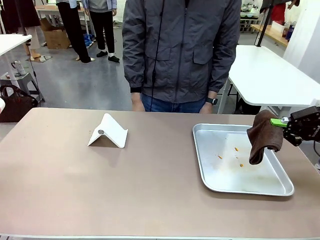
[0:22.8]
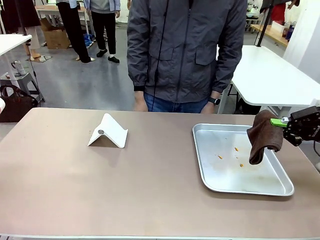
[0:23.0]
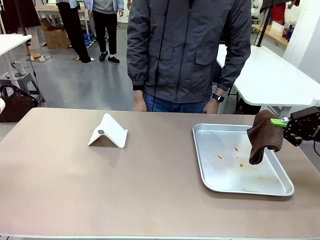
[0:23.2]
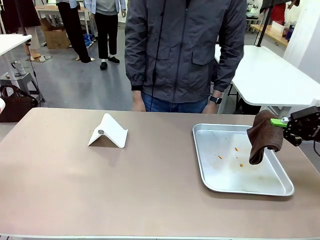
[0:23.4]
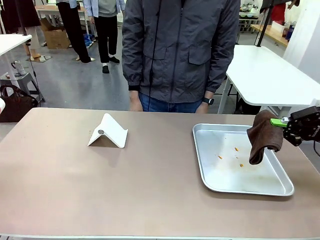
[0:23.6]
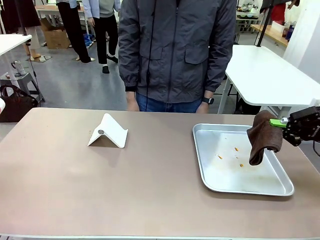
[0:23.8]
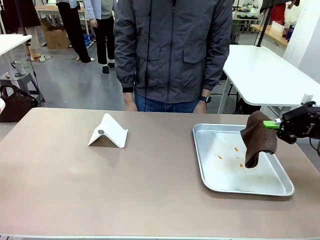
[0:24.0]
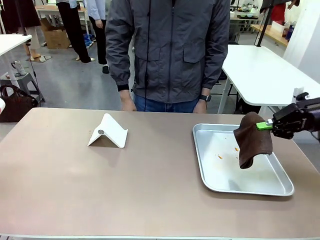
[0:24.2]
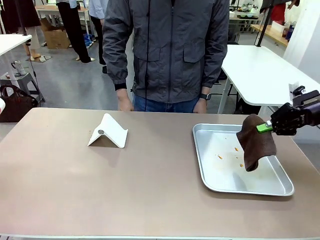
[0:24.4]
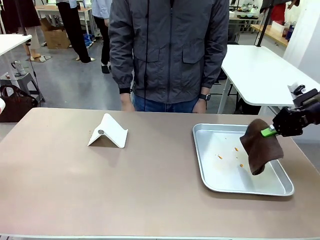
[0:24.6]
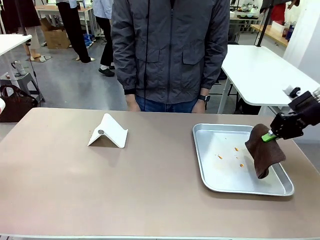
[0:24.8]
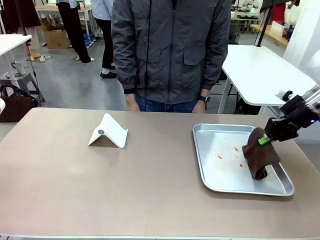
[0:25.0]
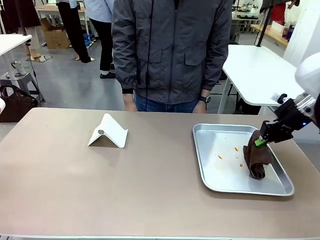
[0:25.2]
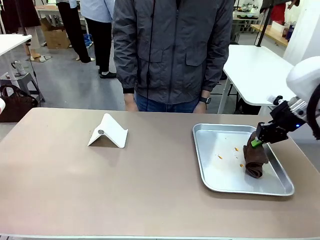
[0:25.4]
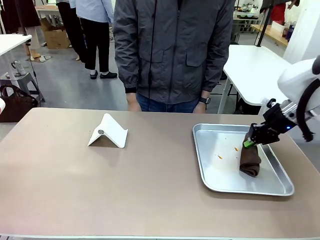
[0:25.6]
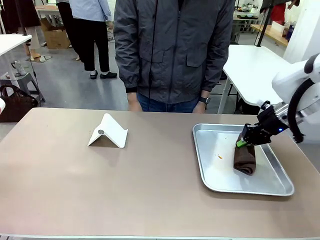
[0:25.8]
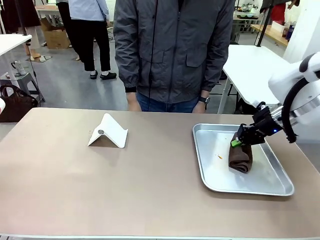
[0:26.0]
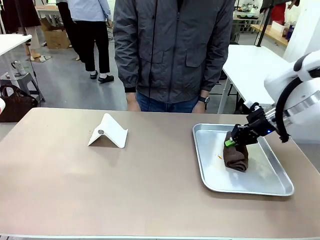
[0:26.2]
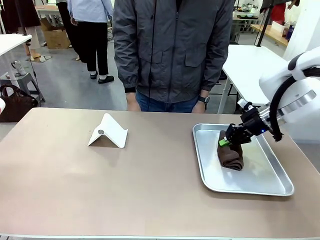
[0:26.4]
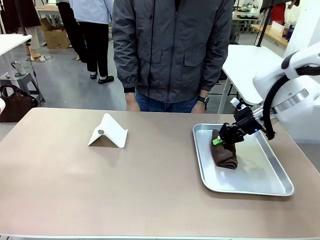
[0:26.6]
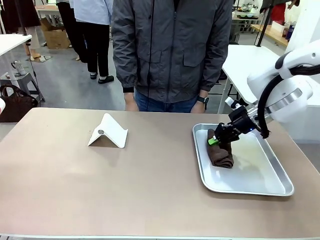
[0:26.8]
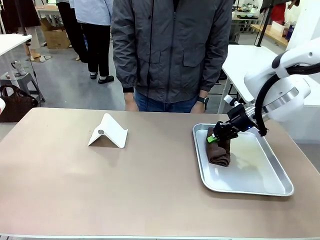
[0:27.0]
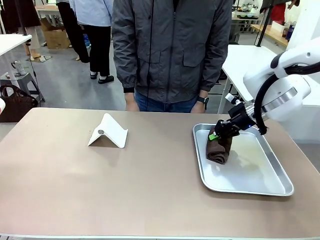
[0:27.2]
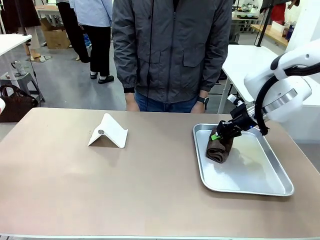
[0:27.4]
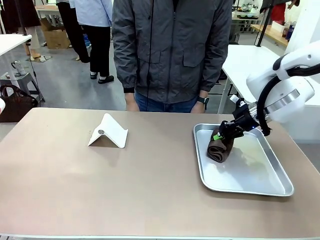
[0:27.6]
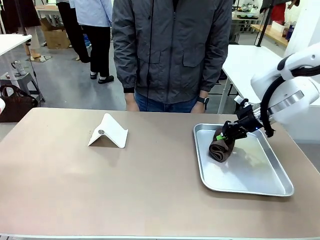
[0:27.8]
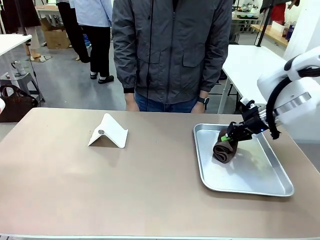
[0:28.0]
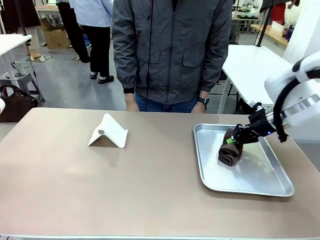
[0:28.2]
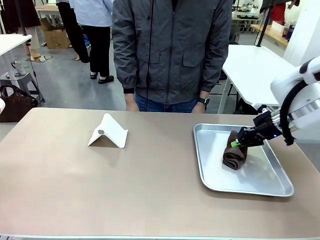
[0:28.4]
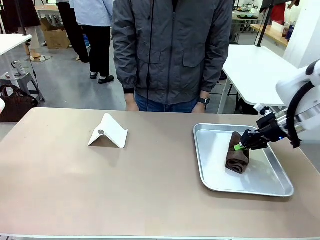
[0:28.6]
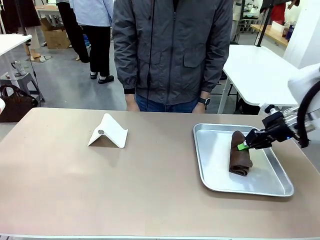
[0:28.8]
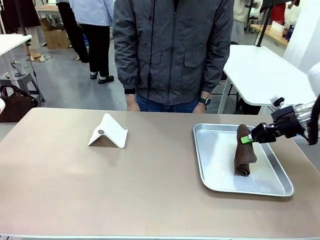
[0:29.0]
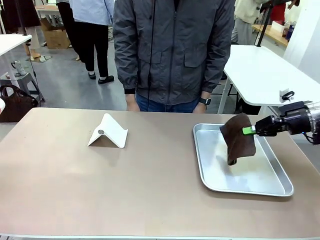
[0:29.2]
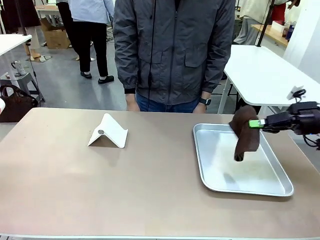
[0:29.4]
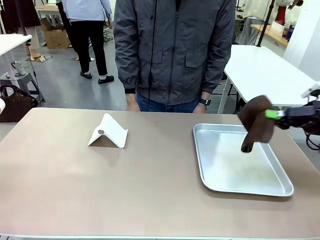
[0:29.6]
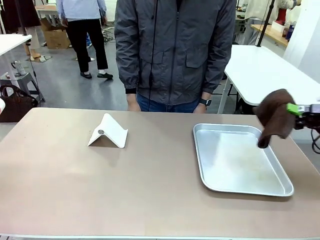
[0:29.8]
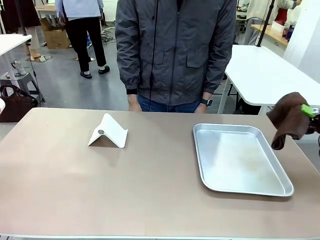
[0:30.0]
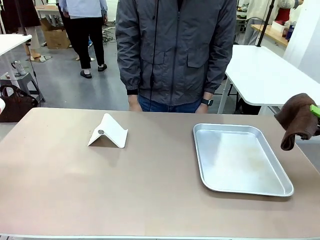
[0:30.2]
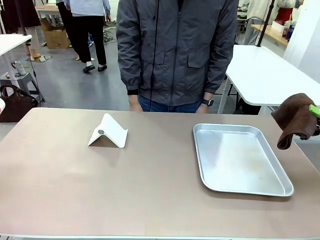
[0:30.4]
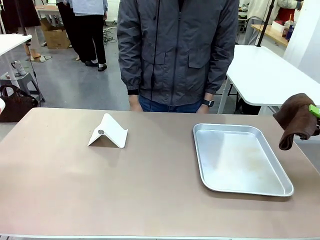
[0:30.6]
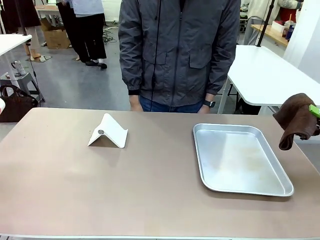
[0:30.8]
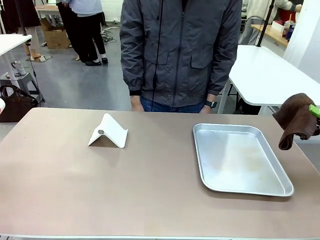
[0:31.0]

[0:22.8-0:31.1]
Task: Clean the surface of the table.
Robot: Clean the area not pointed to by the person.

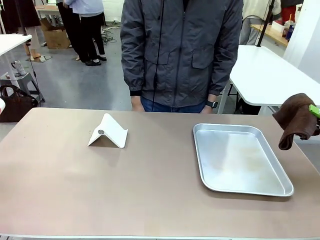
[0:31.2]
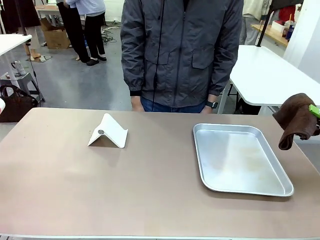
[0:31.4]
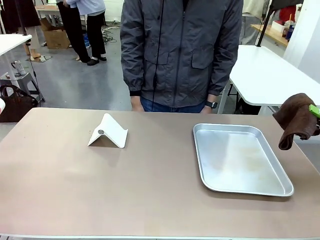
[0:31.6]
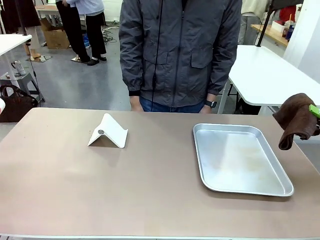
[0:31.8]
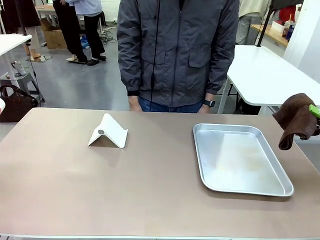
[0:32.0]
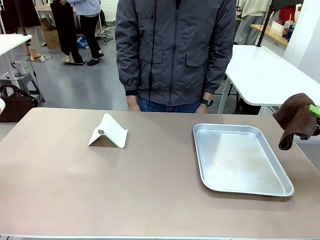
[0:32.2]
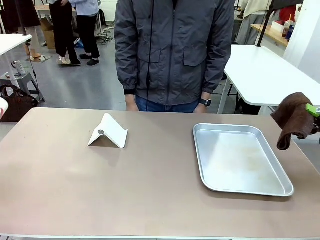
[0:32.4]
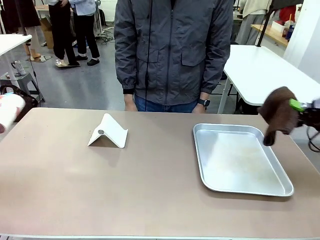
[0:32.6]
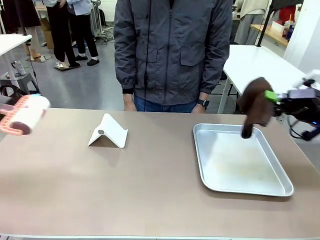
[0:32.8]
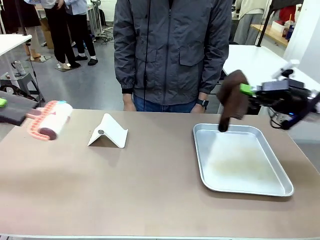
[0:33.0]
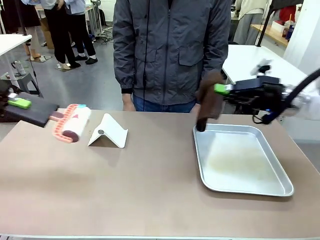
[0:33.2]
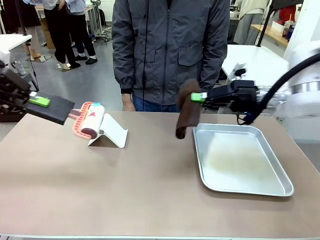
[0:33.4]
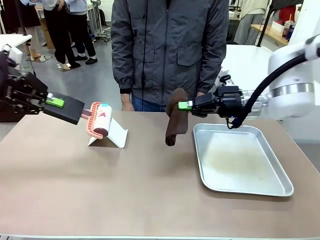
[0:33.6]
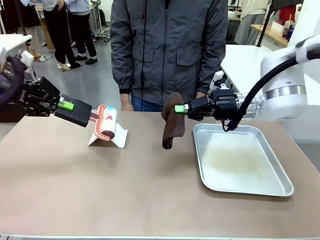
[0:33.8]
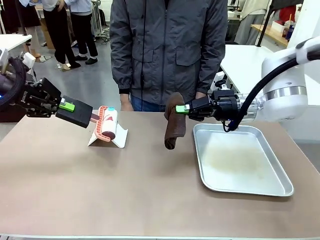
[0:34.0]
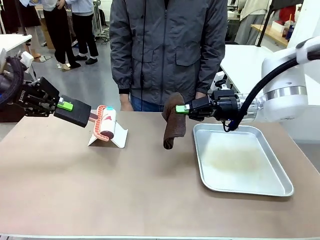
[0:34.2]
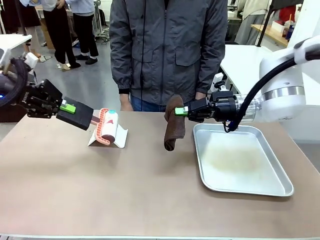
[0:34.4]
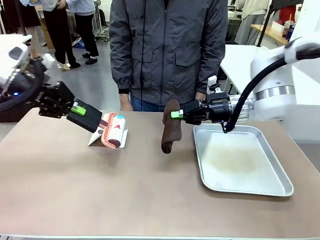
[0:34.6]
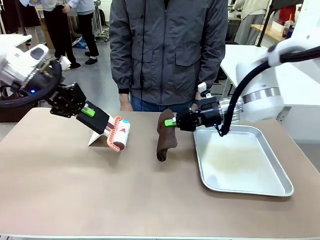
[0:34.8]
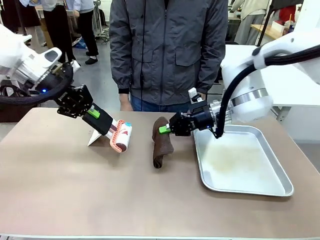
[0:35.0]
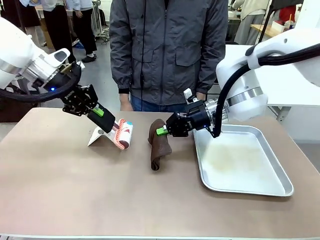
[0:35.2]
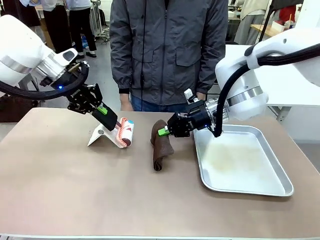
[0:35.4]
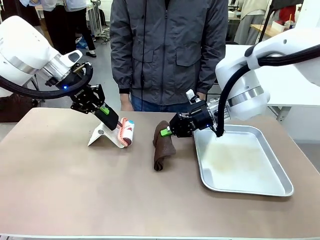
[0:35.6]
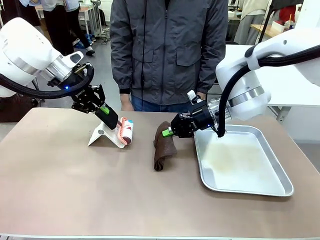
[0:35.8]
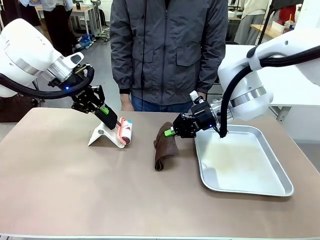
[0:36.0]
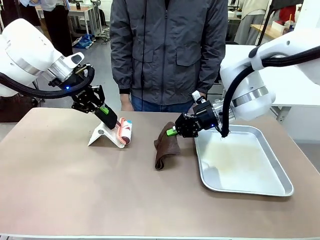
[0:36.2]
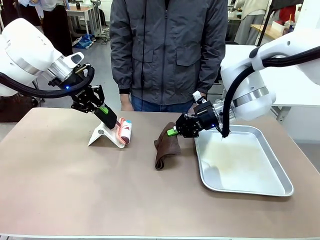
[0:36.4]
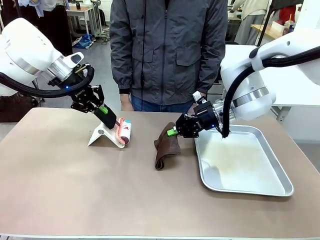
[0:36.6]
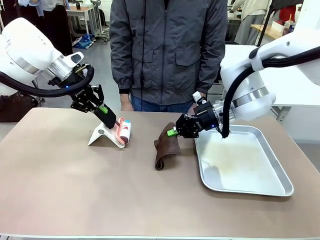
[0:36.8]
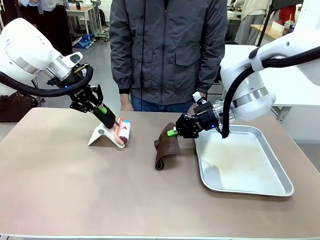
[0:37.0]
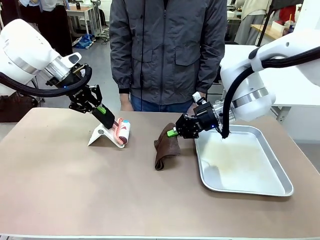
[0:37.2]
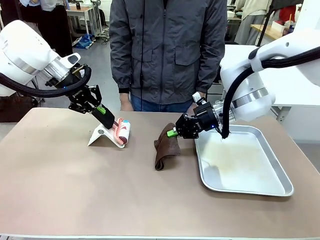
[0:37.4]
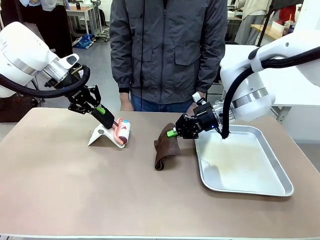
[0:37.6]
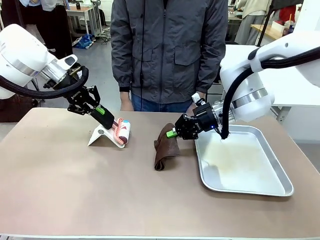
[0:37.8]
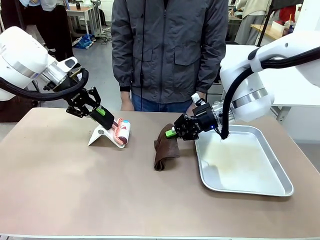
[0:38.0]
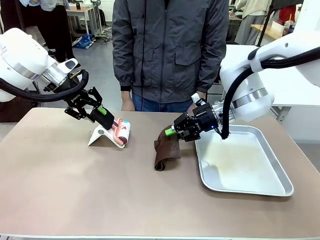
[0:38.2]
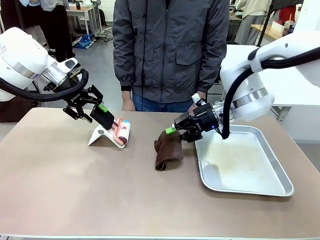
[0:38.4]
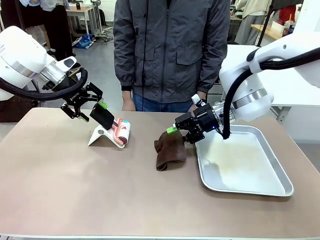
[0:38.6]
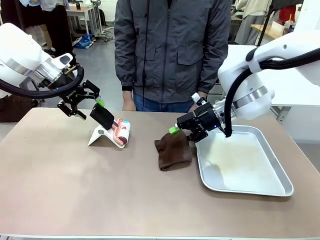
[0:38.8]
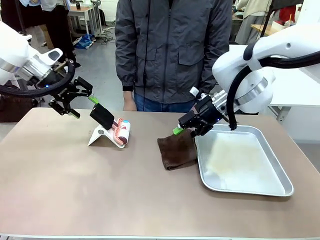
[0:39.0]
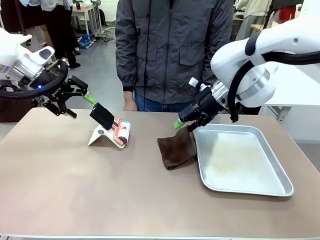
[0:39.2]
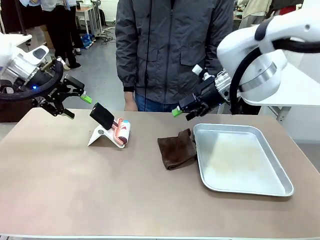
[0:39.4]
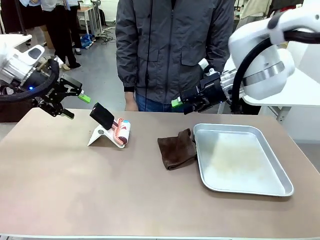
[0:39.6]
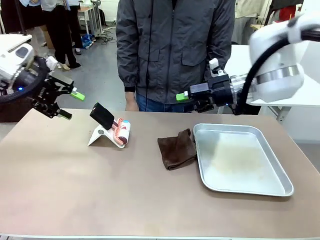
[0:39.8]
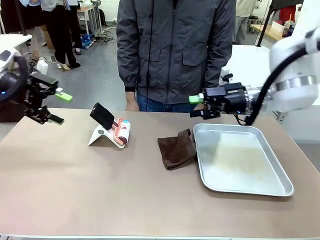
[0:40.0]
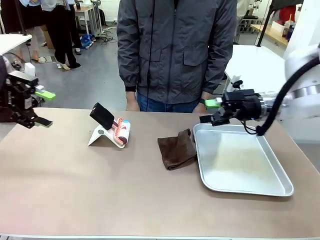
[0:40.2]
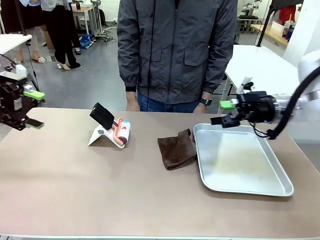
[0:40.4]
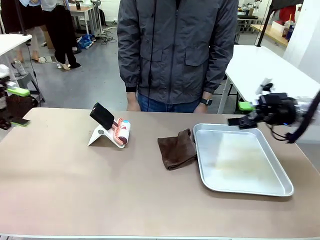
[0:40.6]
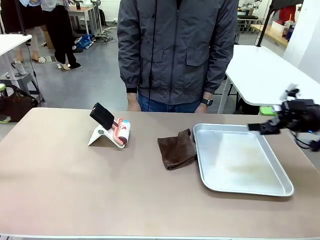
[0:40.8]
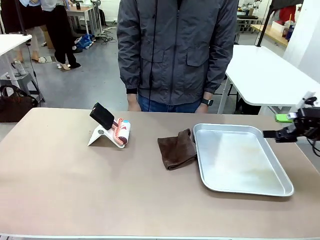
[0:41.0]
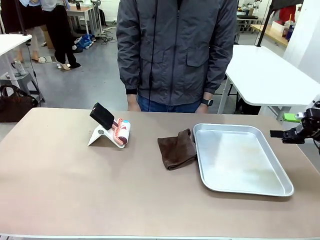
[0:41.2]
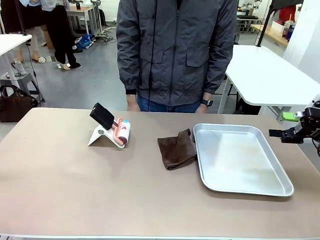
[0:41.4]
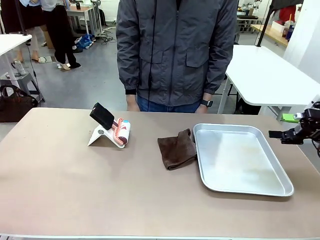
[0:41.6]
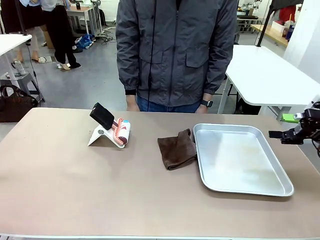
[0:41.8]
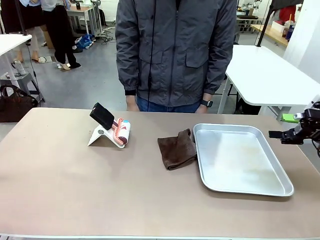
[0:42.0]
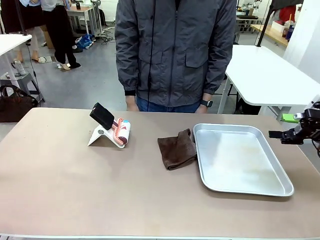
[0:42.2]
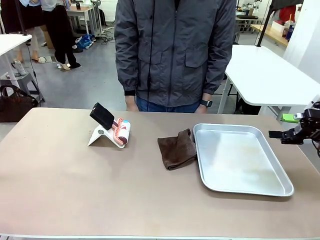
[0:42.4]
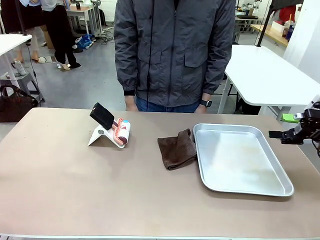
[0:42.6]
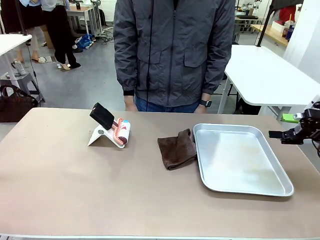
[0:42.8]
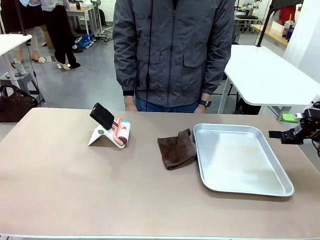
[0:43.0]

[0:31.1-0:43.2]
Robot: Return the Lint Roller and towel to their original positions.
